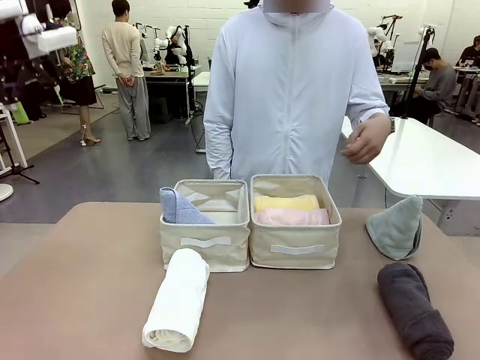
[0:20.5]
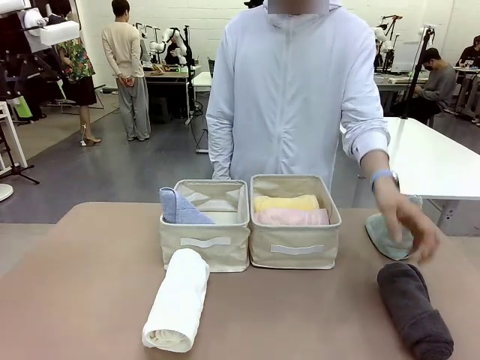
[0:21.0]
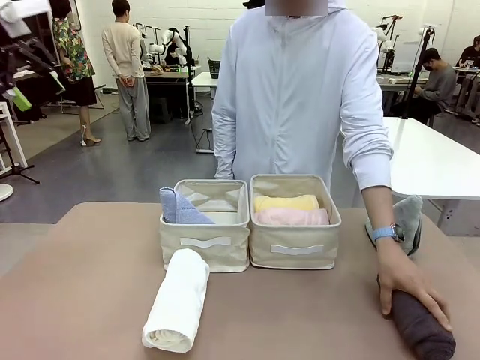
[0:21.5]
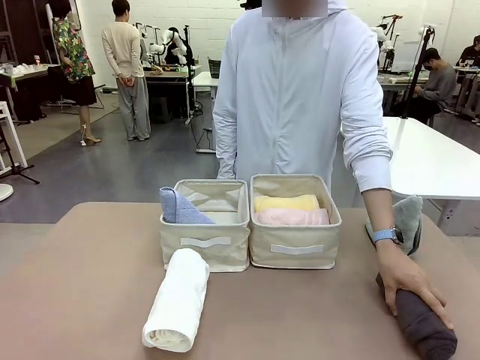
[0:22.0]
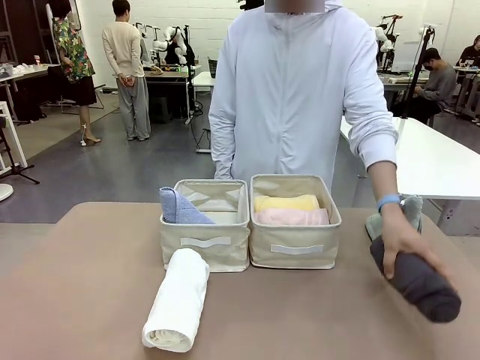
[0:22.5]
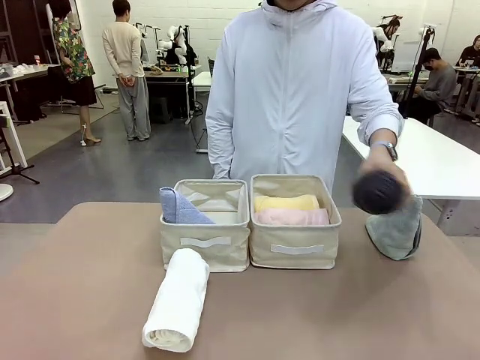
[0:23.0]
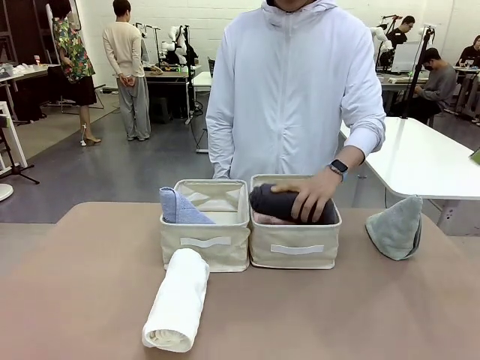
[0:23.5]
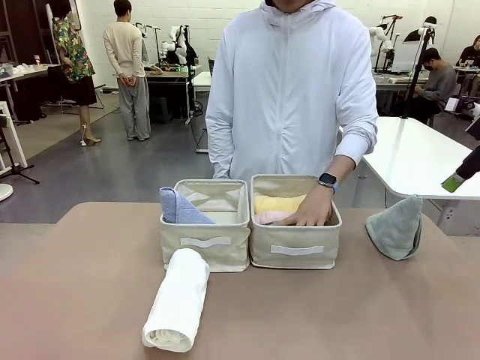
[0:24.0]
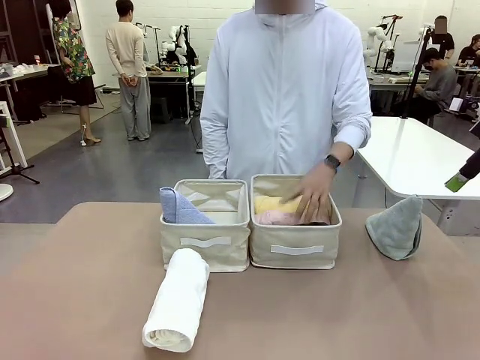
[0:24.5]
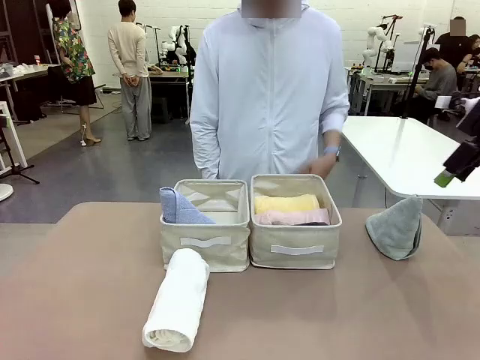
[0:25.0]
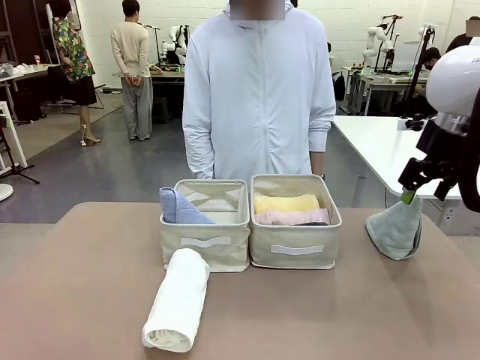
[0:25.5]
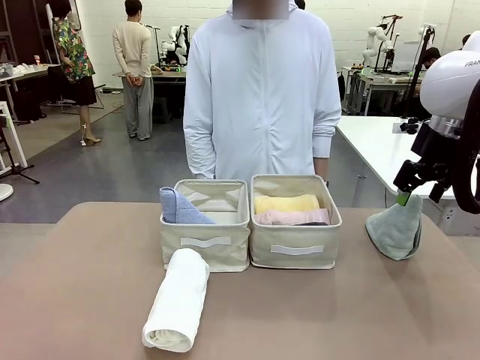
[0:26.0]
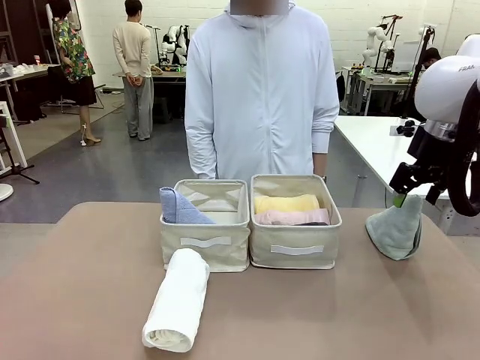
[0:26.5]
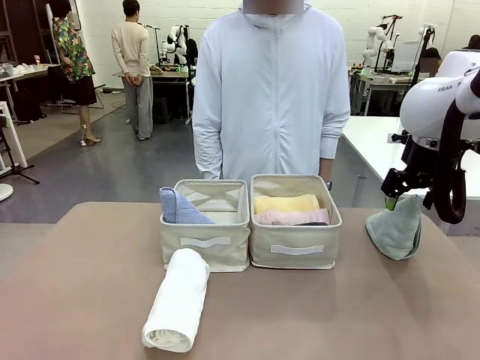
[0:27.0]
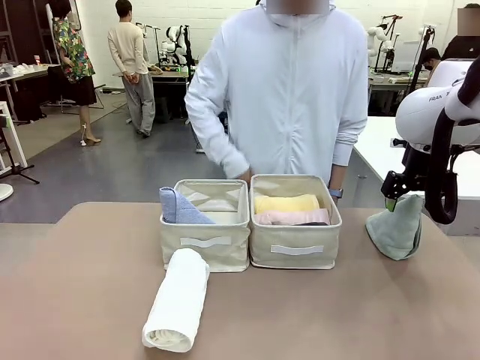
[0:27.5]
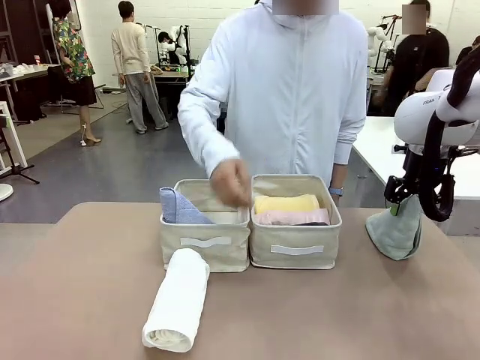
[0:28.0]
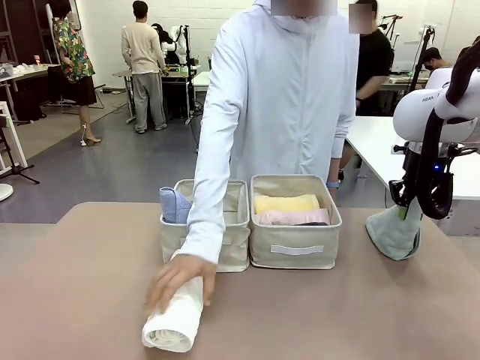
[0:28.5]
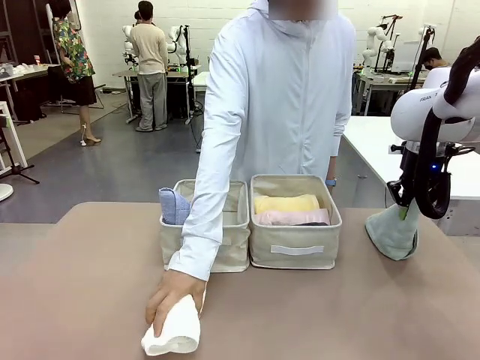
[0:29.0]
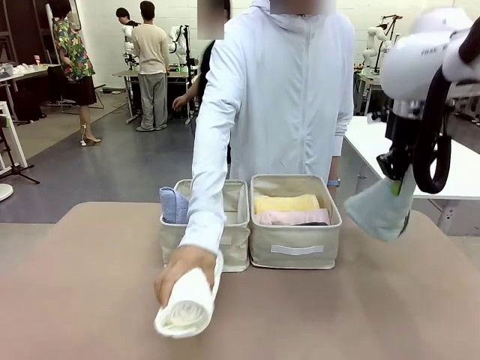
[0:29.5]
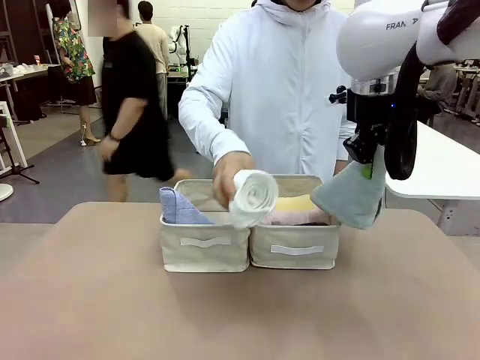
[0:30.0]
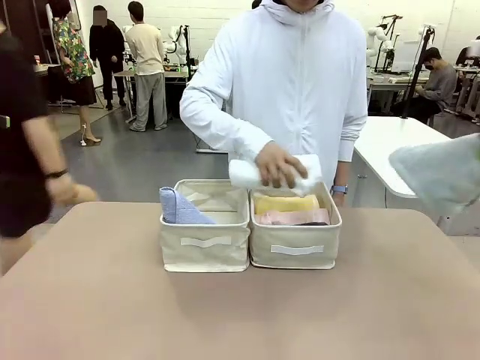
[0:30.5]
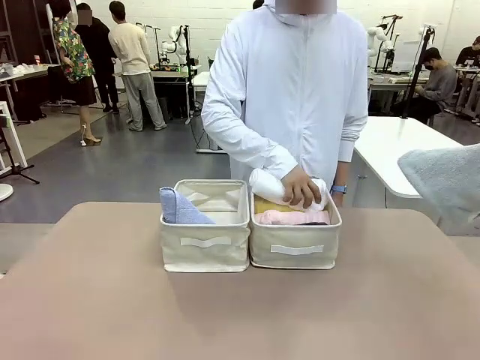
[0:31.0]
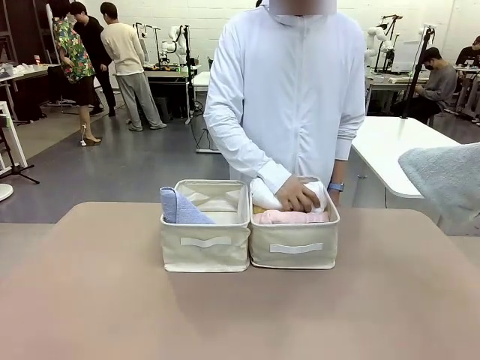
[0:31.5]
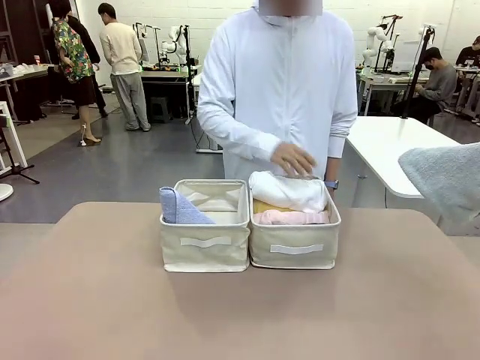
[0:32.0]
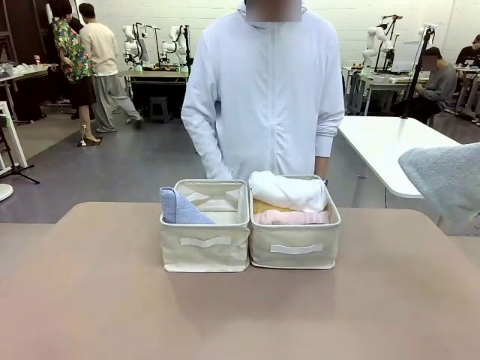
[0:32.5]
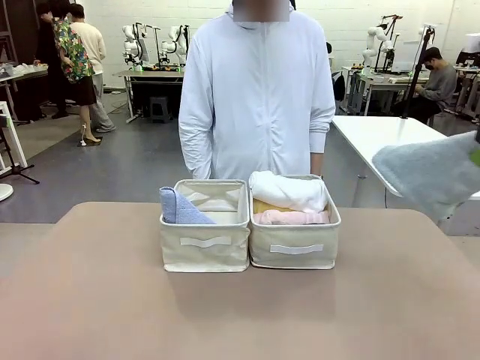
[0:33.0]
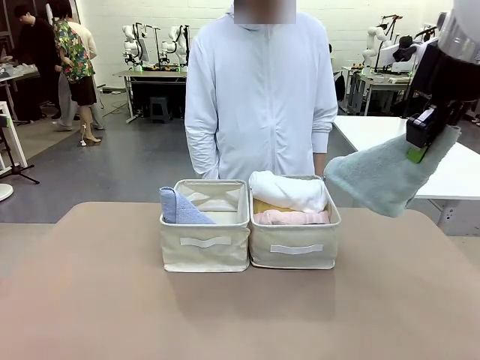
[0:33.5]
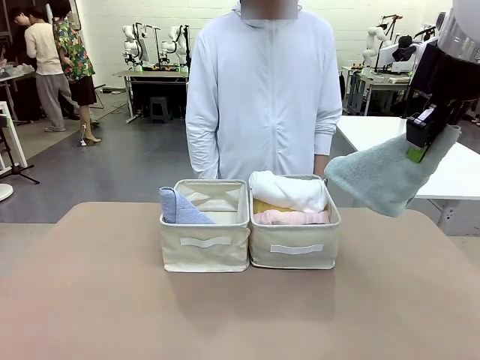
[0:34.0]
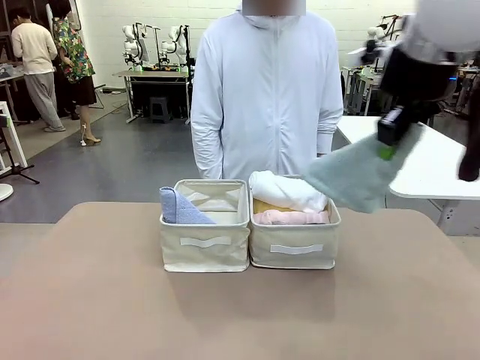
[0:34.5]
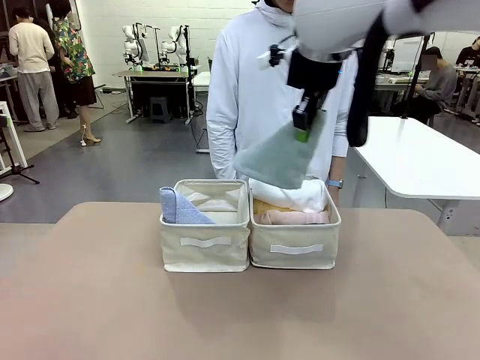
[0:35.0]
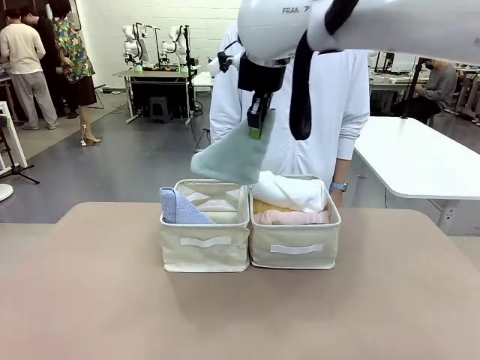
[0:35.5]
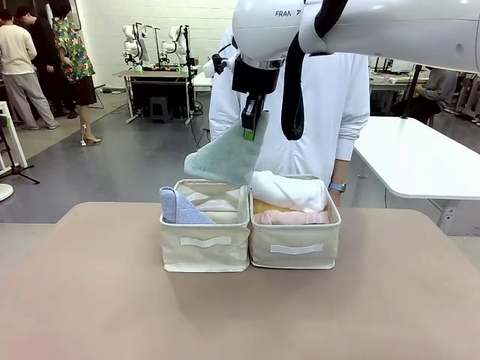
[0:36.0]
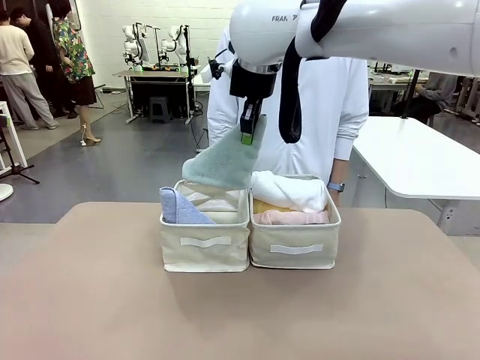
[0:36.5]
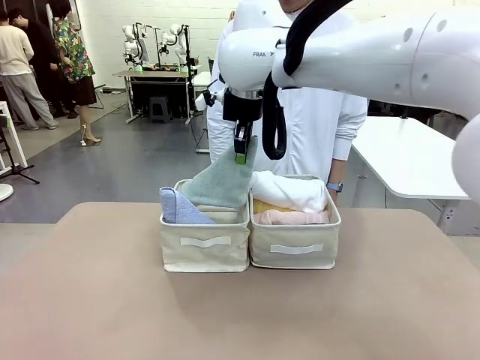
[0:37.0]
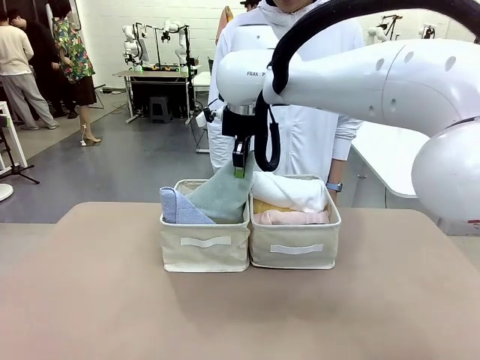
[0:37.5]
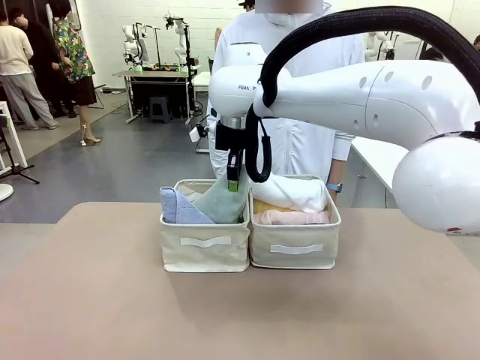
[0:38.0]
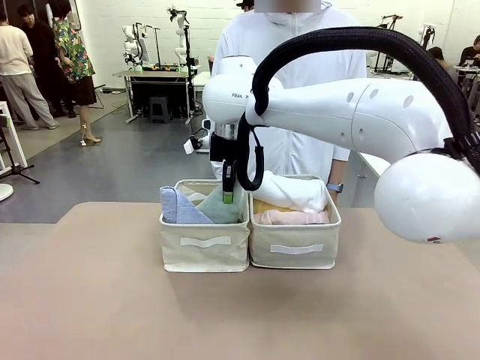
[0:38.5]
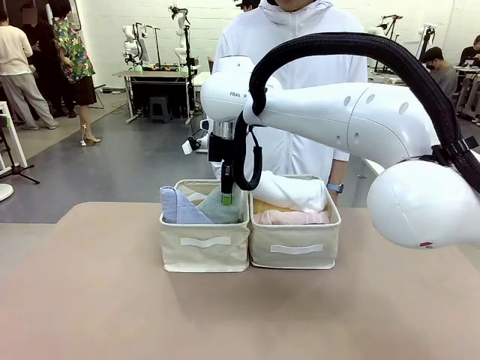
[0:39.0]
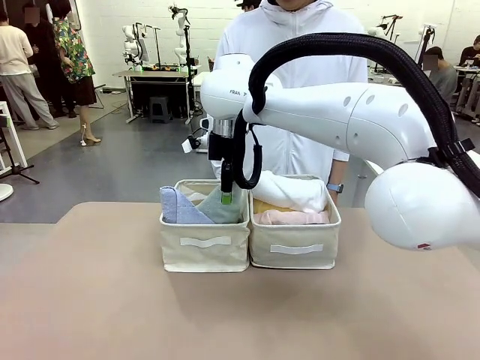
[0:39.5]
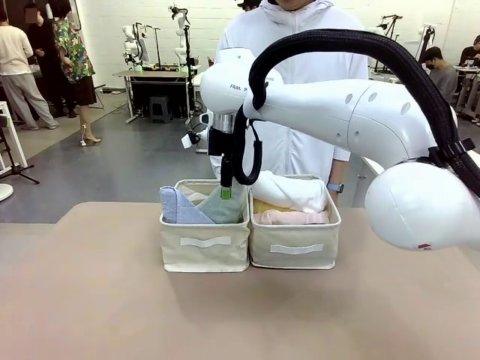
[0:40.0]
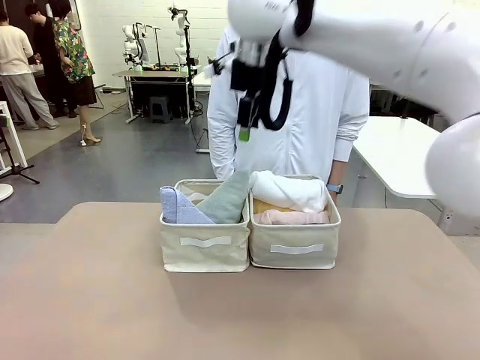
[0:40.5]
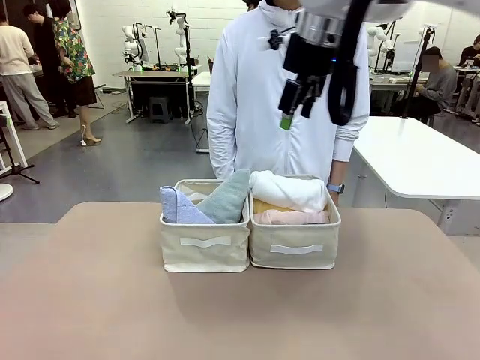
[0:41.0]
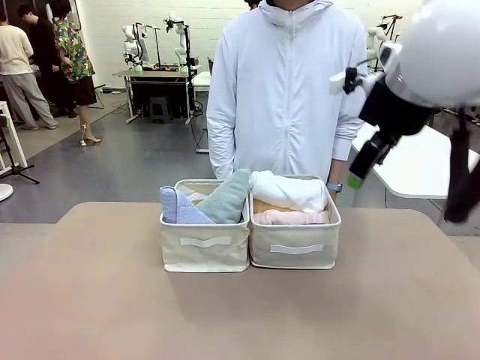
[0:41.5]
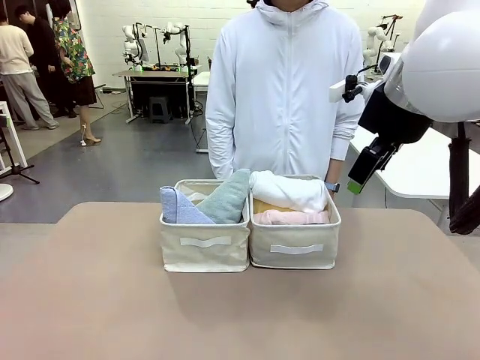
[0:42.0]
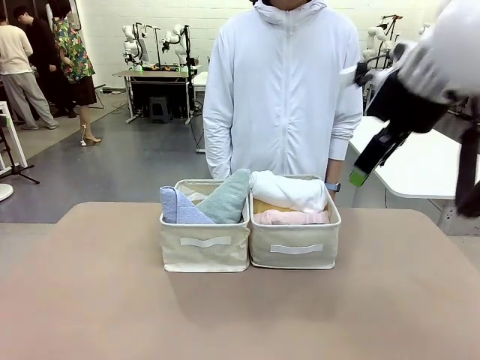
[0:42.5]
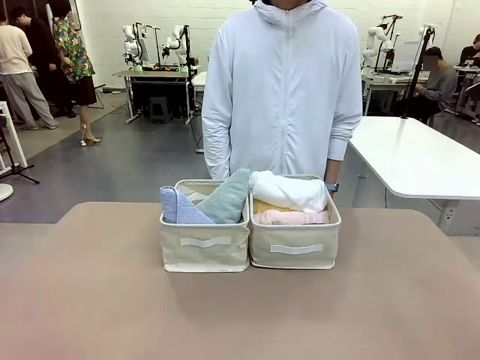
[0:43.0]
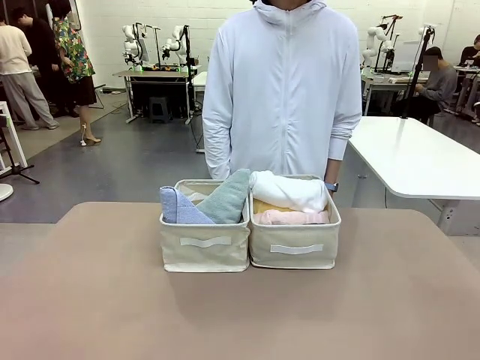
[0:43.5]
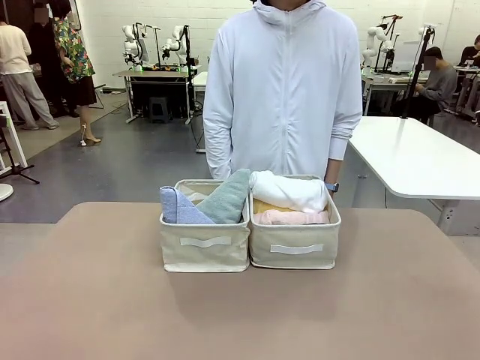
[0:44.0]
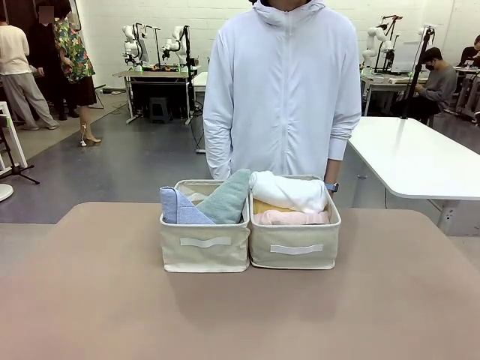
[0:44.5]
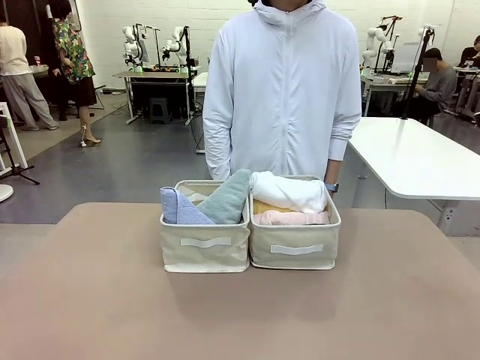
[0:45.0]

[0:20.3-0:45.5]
Task: Sort the towels based on their folding style.
Robot: Pick up another triangle-folded towel from the table and place it in the left Fabric basket.
Person: Pick up one hotel-style rolled towel from the table and place it in the left fabric basket.
